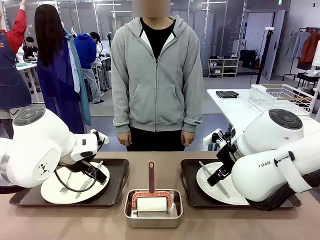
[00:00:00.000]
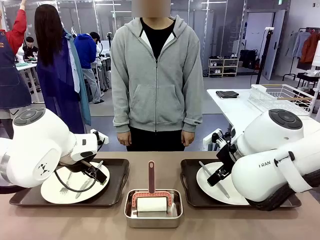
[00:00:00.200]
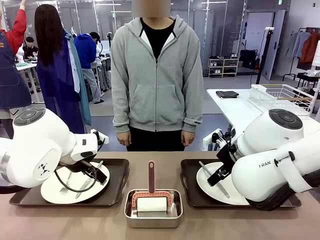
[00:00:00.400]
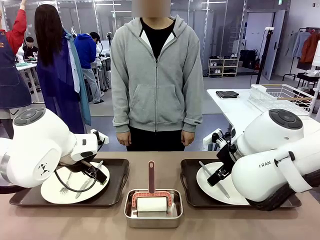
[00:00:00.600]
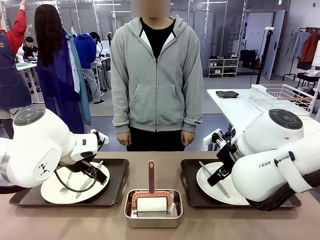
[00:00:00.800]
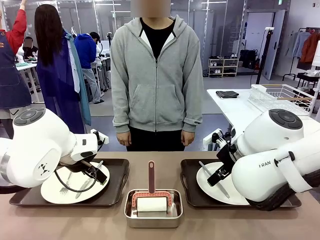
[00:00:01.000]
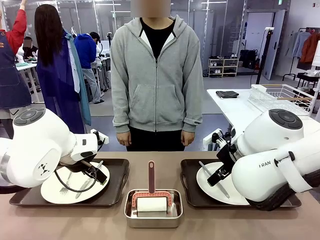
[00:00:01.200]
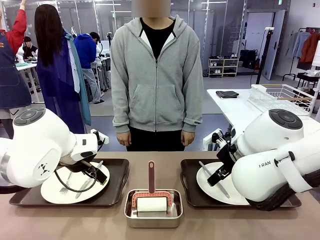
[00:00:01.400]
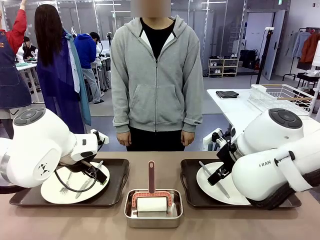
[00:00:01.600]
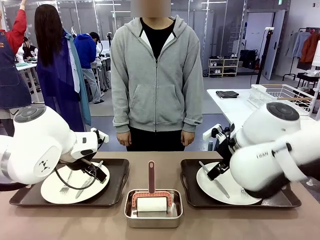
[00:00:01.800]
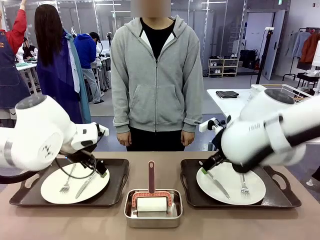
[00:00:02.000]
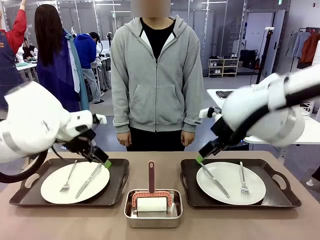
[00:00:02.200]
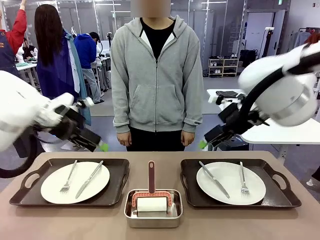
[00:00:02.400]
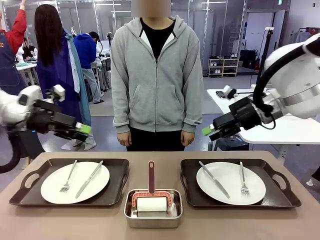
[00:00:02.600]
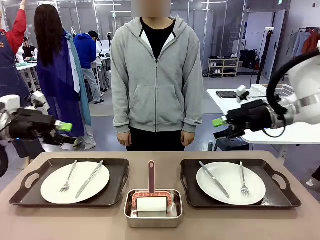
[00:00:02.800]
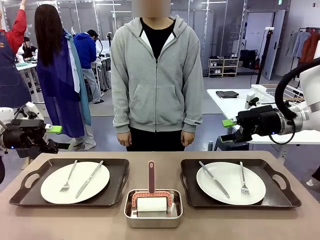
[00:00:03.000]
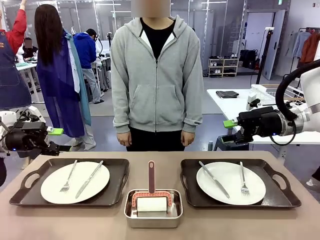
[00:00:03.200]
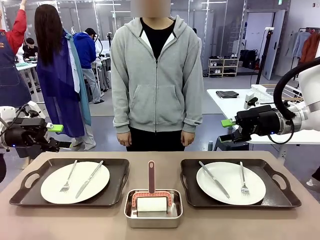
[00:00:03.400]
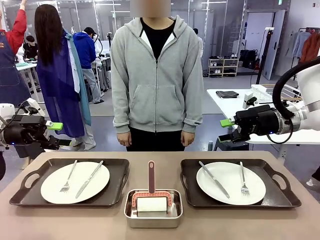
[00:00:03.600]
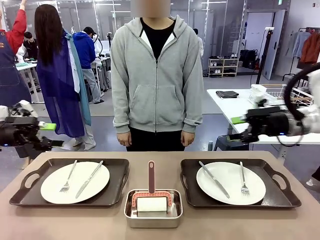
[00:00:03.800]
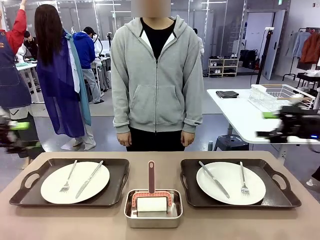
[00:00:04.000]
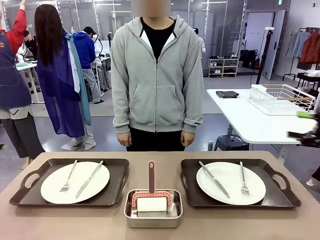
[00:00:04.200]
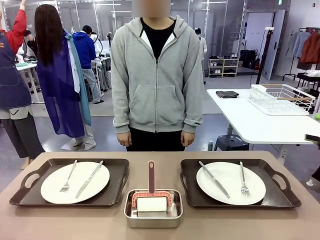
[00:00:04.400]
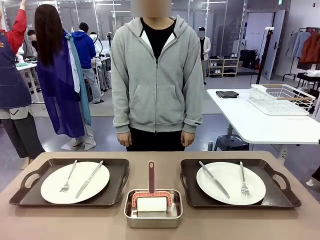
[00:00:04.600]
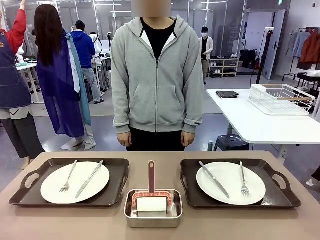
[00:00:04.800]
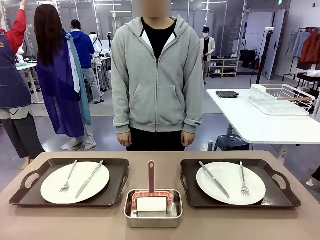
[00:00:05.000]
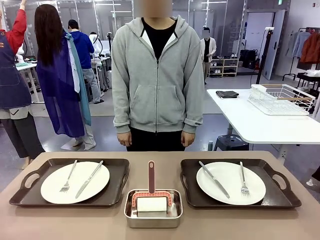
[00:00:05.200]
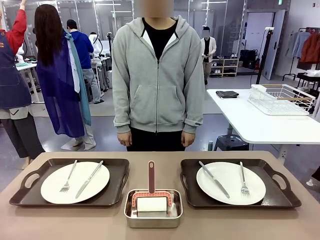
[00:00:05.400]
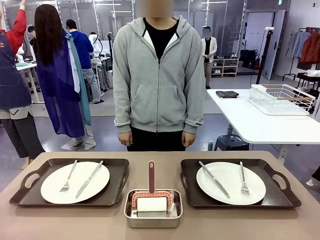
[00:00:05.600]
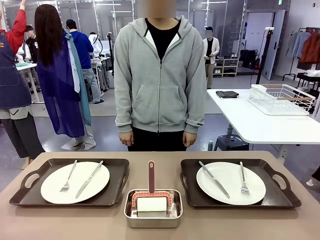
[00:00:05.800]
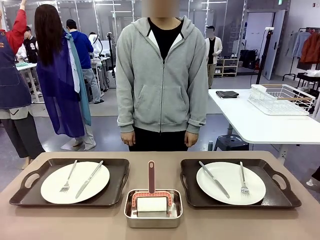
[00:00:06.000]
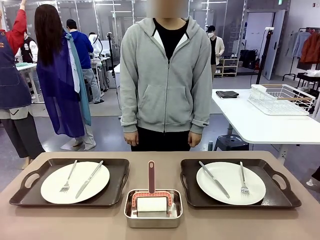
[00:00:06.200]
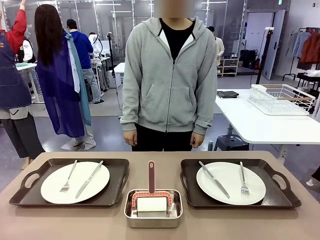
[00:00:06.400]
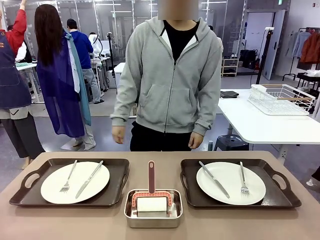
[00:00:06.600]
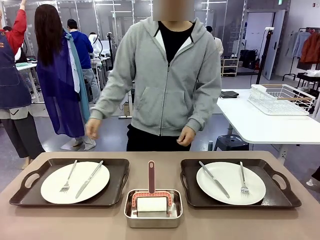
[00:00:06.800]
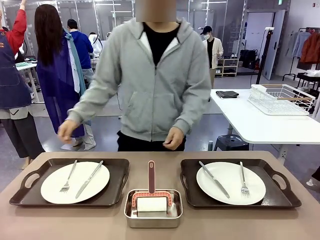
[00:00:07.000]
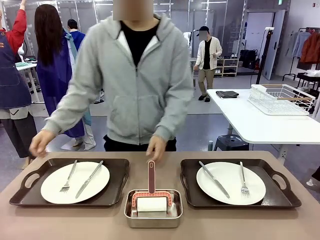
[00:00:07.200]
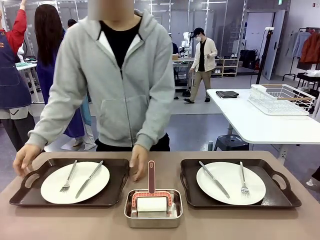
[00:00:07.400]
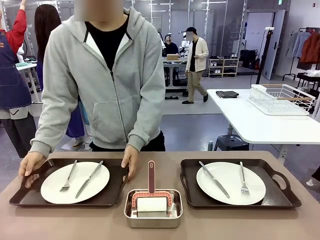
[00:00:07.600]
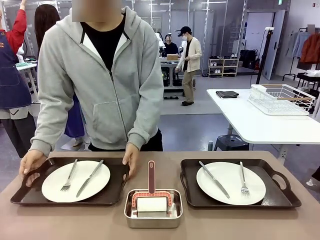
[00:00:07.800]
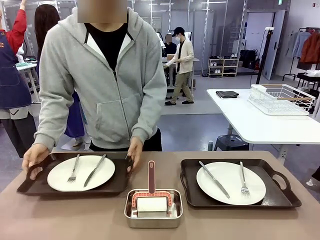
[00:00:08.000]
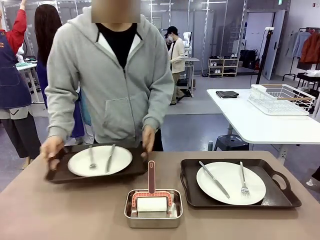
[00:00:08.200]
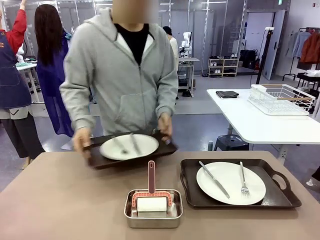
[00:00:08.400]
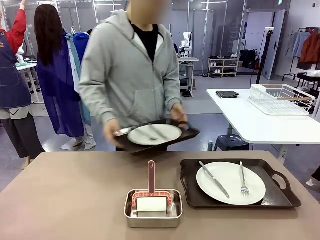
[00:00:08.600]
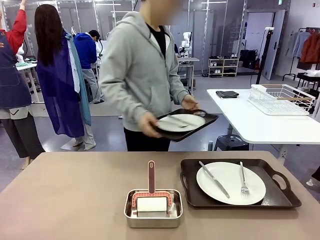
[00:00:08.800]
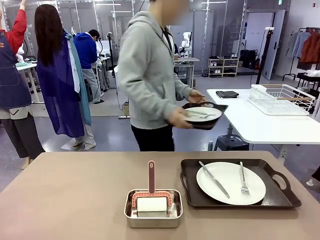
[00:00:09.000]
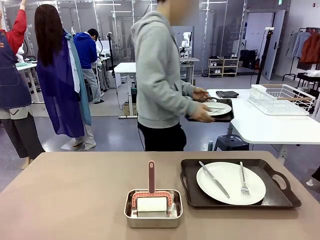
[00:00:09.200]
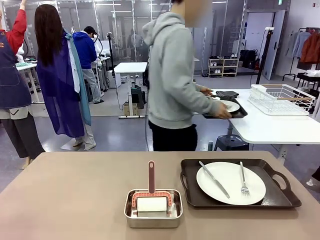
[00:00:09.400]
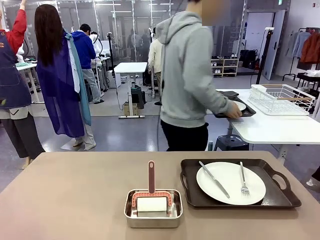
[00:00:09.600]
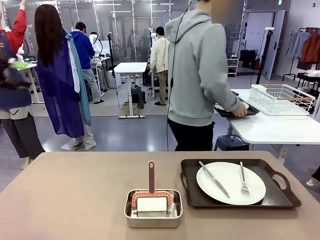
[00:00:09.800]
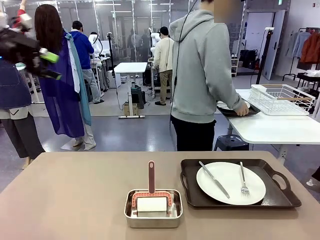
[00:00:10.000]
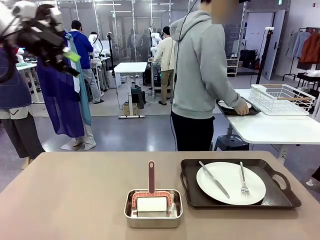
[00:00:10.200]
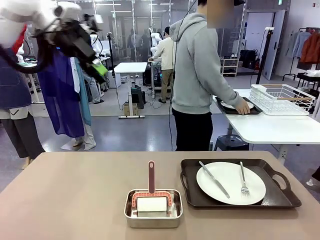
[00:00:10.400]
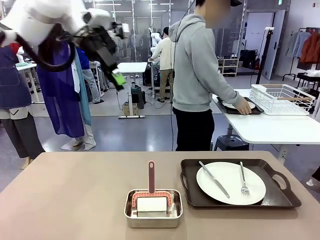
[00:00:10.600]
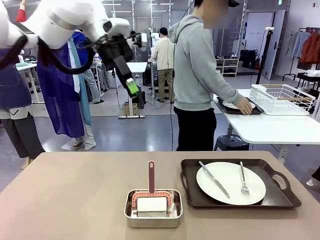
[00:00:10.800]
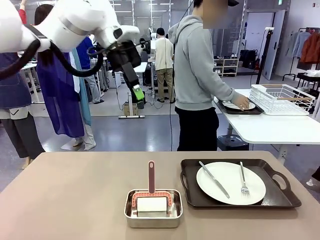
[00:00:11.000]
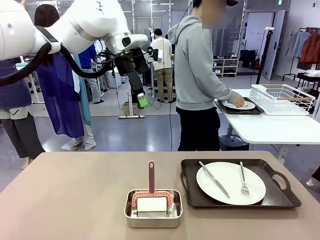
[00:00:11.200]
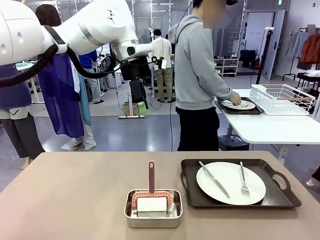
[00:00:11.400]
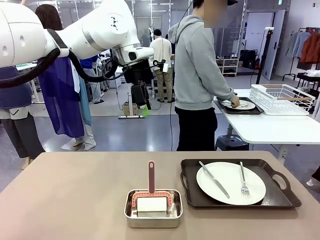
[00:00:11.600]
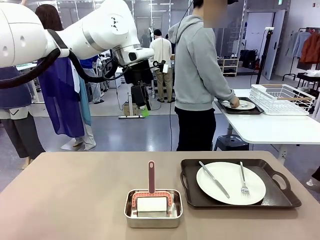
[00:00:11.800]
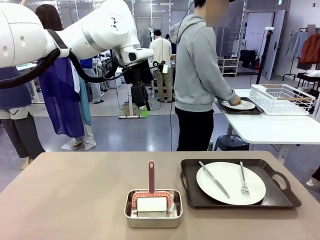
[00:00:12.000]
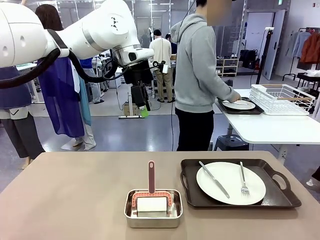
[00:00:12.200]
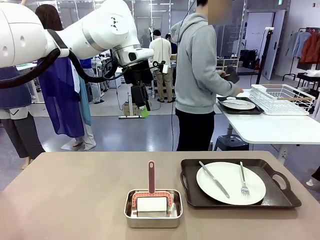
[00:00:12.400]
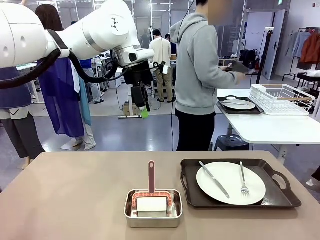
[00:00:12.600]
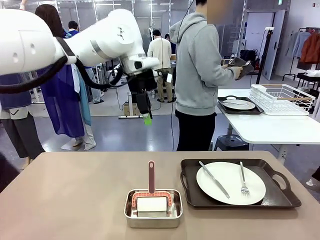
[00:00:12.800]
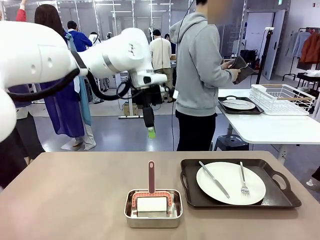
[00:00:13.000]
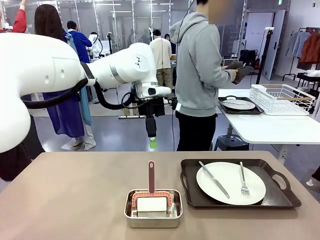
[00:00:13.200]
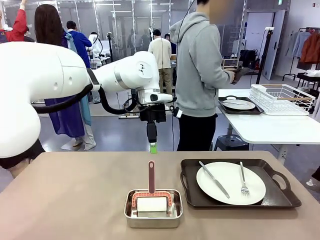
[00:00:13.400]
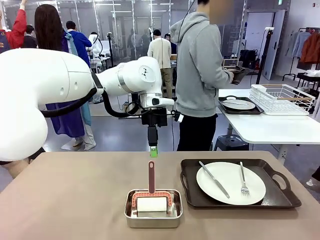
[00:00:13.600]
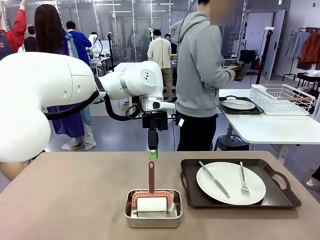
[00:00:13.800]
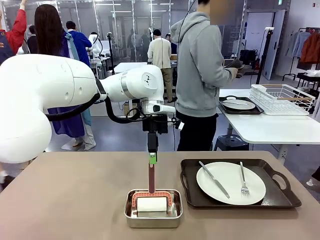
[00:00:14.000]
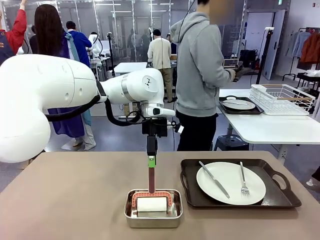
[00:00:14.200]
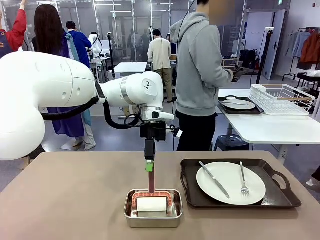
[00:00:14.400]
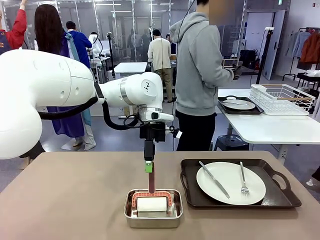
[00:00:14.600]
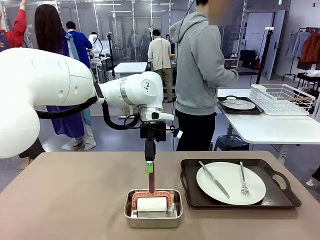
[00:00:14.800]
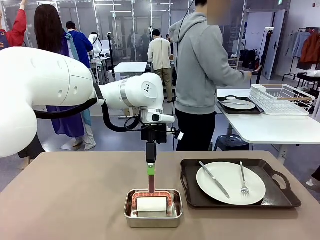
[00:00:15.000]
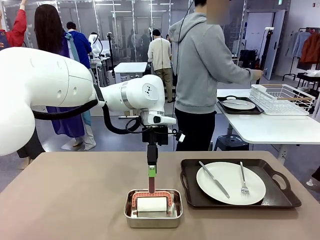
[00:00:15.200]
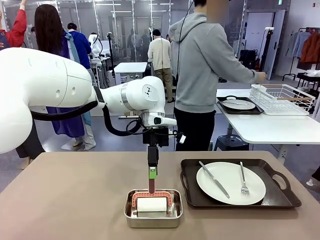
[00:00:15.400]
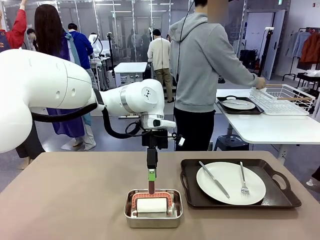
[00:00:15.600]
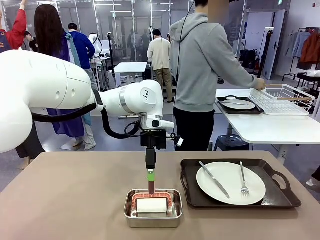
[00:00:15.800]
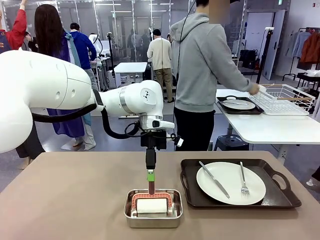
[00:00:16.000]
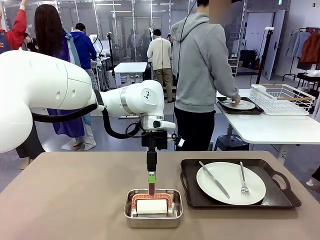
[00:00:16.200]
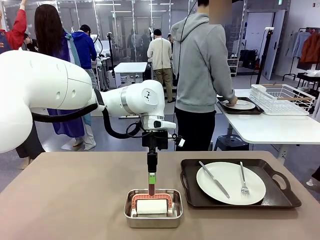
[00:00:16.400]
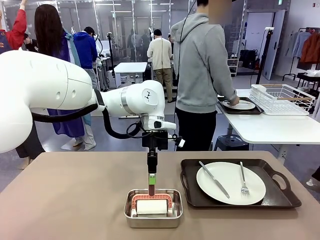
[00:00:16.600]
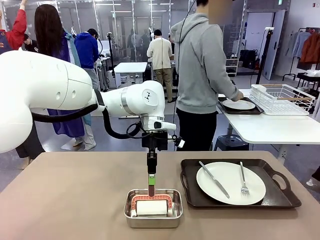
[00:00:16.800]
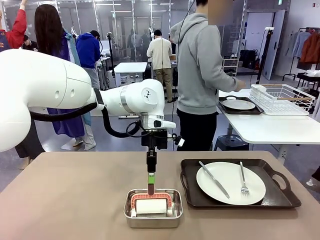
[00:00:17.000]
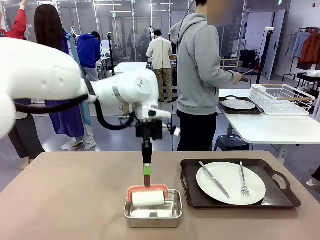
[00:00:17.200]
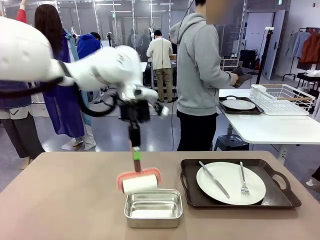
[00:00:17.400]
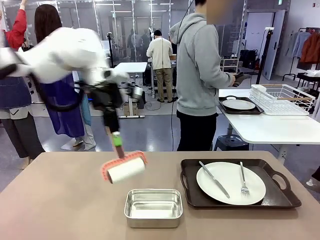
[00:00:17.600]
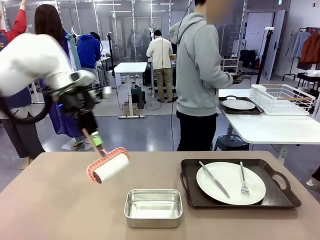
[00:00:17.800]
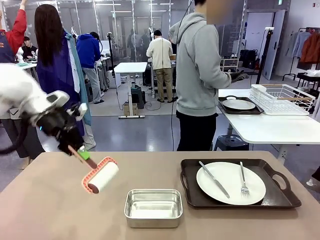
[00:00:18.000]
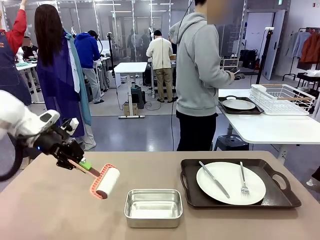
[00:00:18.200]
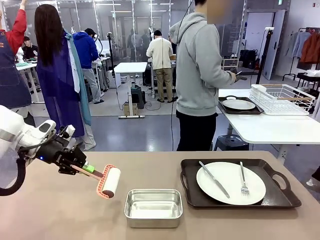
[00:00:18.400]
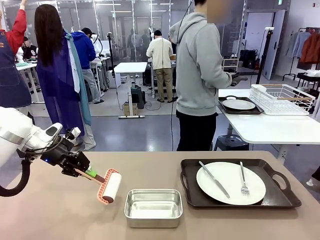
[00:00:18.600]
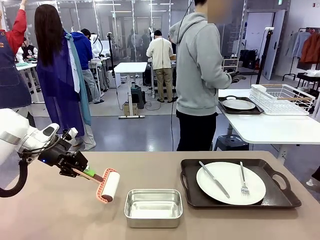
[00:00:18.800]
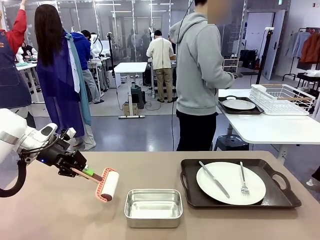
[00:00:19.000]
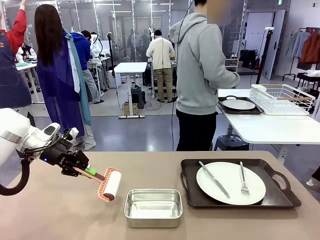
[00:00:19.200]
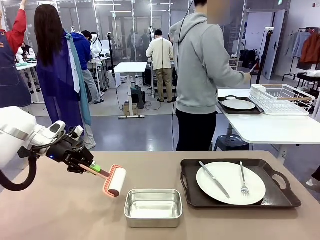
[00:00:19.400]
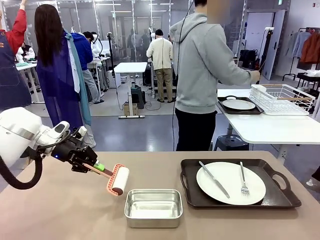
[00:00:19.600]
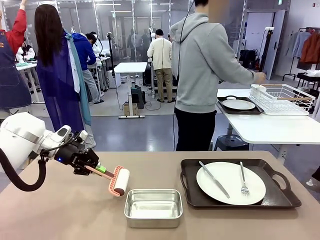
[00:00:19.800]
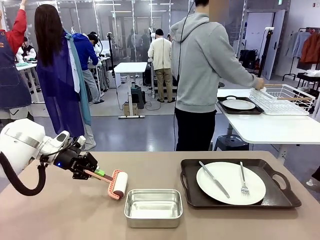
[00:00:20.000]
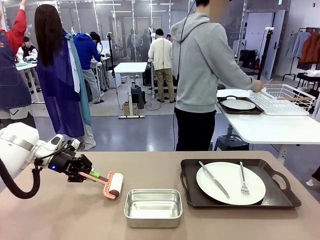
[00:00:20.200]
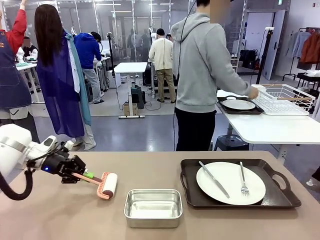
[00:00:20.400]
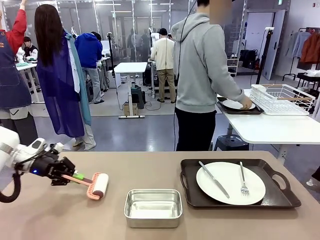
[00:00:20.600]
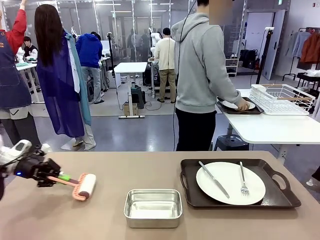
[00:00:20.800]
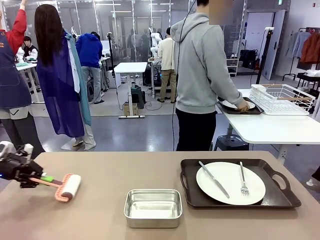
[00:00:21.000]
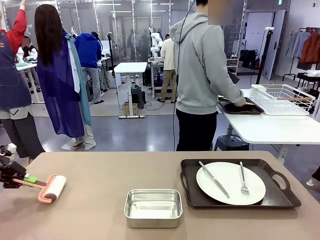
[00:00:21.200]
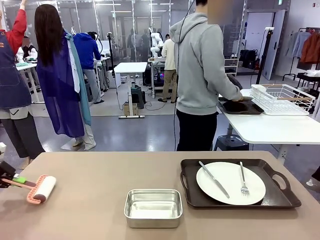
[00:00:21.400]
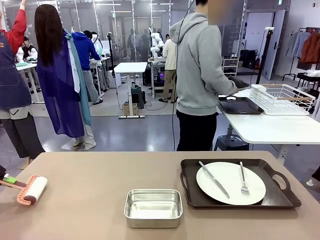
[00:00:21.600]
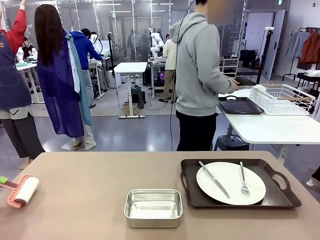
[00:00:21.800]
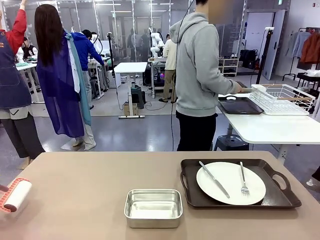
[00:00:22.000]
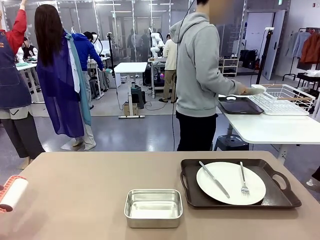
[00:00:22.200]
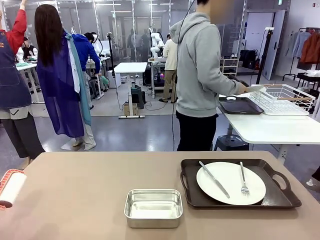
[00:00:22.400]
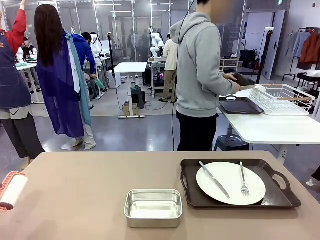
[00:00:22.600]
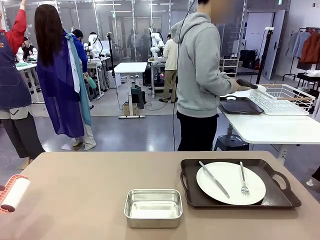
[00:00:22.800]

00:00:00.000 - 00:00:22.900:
Robot: When the left (or right) Handle tray is removed, use the left hand (or right hand) to clean the left (or right) side of the table with the Lint Roller.
Person: Pick up the left (or right) Handle tray and place it on the middle of the Human's table. Use the Towel with hook to wipe the Plastic Matte Plate , Fork , and Knife and place into the Dish drying rack.
